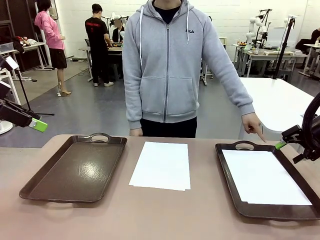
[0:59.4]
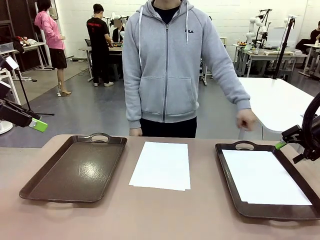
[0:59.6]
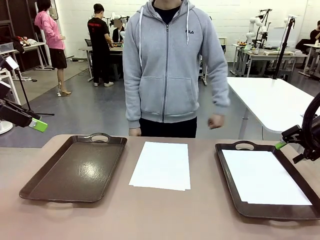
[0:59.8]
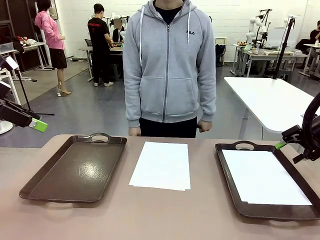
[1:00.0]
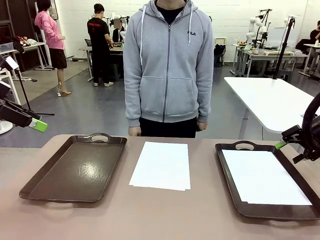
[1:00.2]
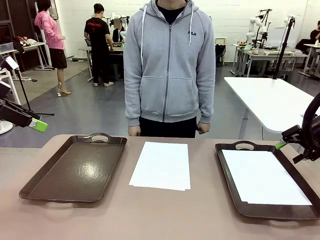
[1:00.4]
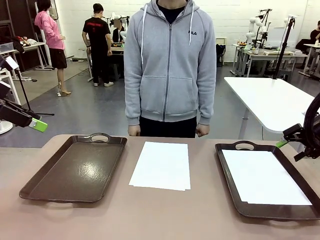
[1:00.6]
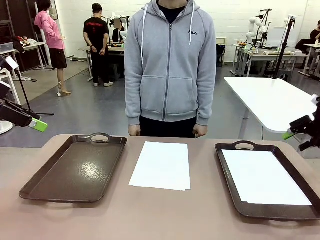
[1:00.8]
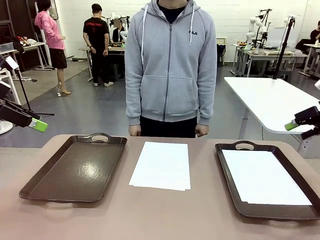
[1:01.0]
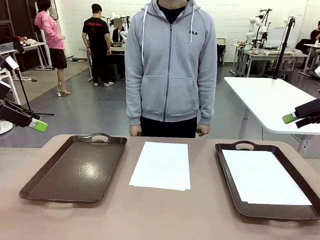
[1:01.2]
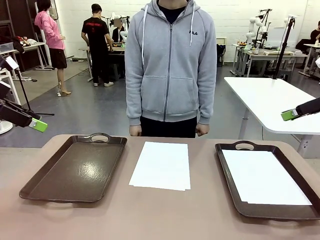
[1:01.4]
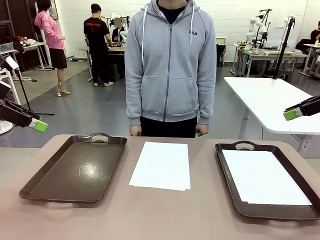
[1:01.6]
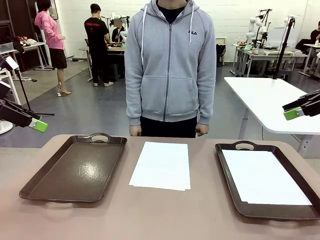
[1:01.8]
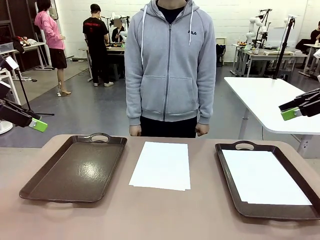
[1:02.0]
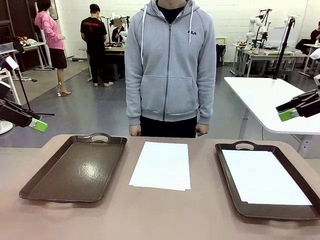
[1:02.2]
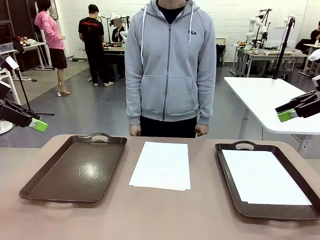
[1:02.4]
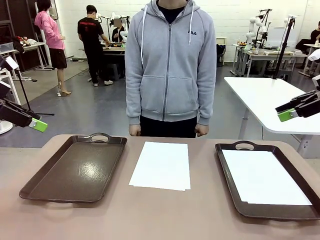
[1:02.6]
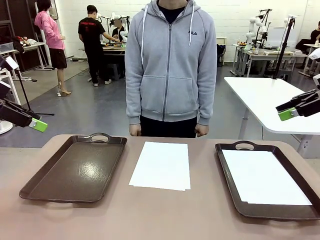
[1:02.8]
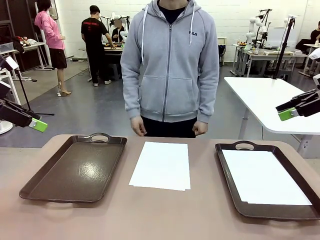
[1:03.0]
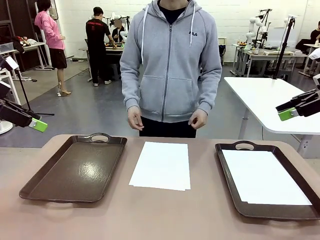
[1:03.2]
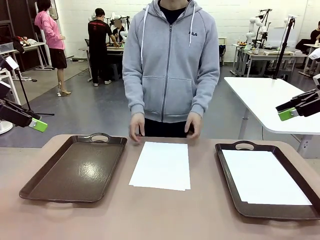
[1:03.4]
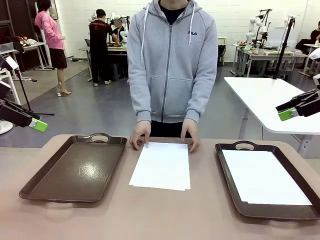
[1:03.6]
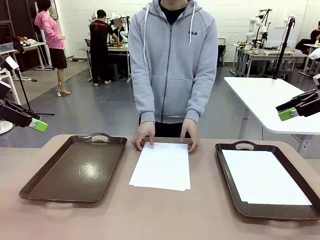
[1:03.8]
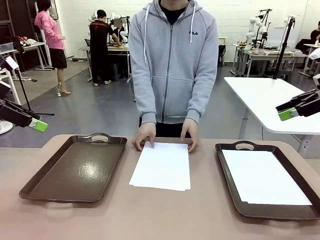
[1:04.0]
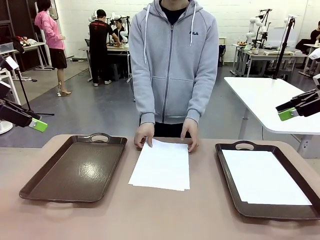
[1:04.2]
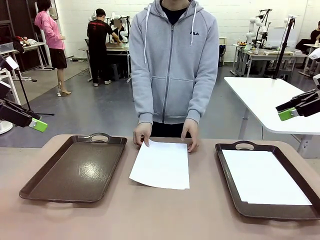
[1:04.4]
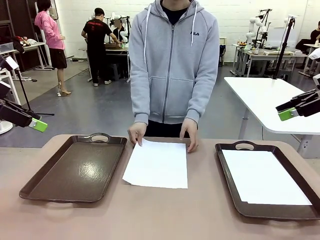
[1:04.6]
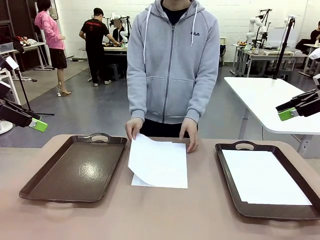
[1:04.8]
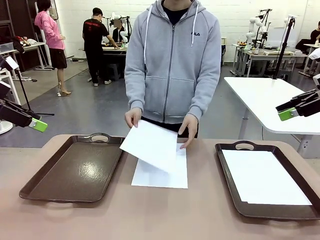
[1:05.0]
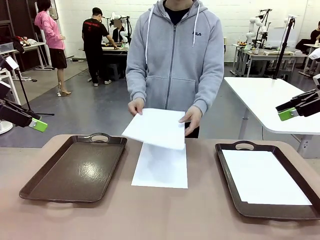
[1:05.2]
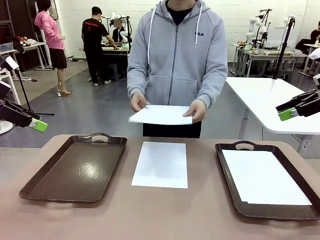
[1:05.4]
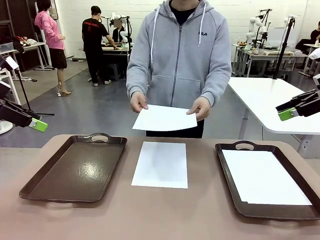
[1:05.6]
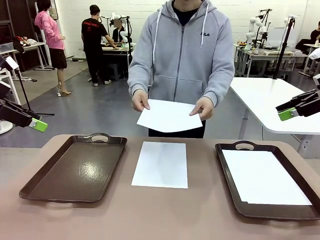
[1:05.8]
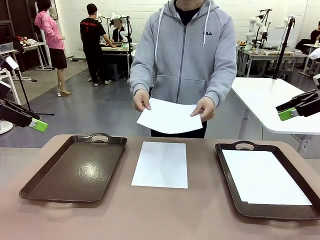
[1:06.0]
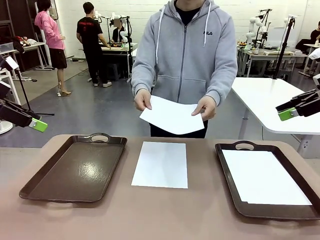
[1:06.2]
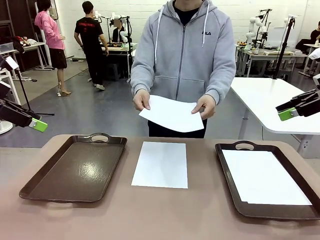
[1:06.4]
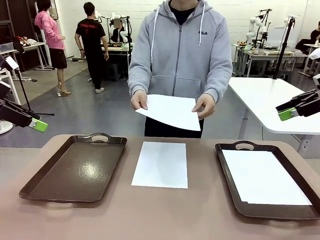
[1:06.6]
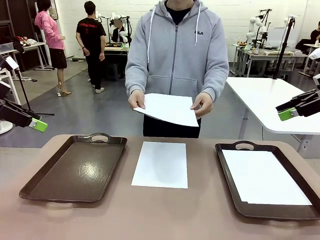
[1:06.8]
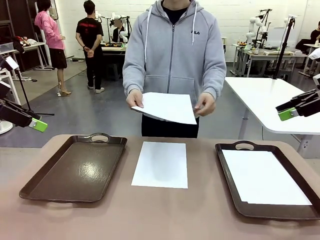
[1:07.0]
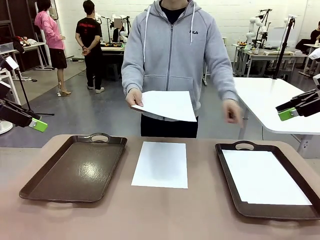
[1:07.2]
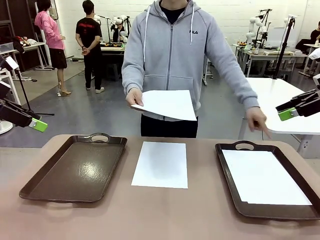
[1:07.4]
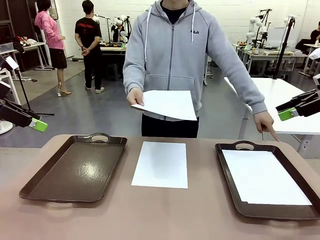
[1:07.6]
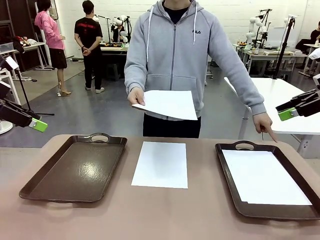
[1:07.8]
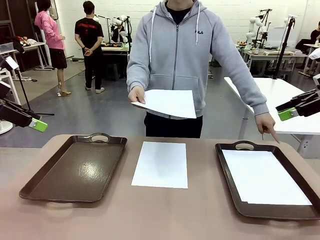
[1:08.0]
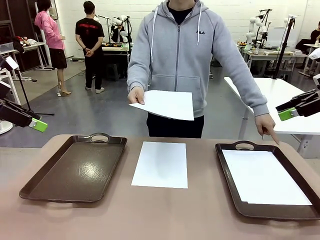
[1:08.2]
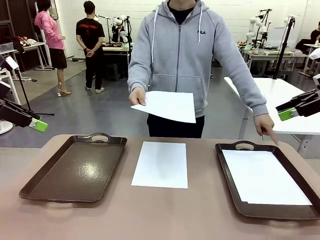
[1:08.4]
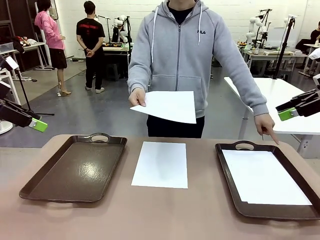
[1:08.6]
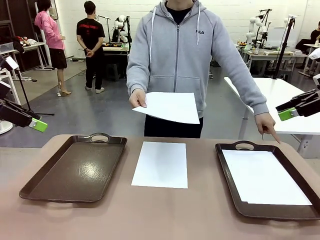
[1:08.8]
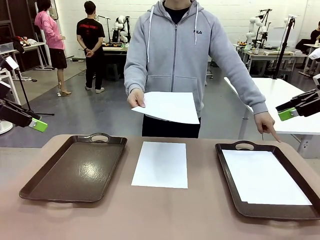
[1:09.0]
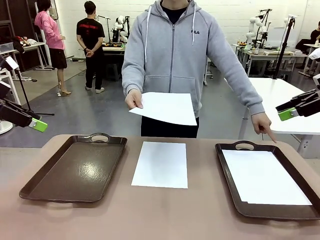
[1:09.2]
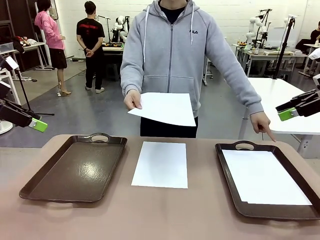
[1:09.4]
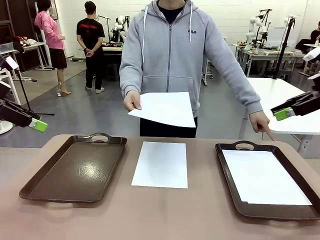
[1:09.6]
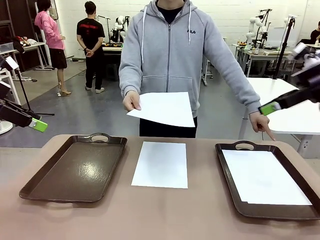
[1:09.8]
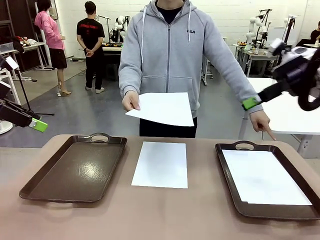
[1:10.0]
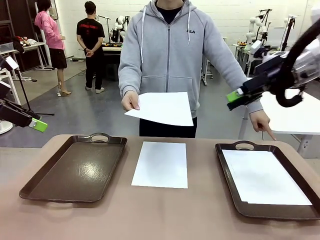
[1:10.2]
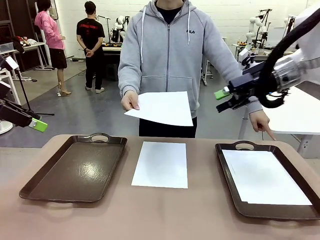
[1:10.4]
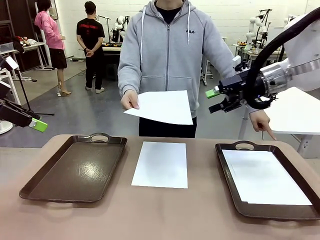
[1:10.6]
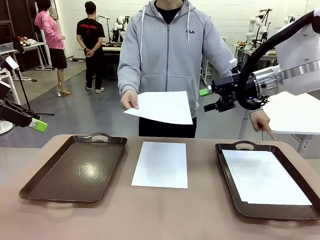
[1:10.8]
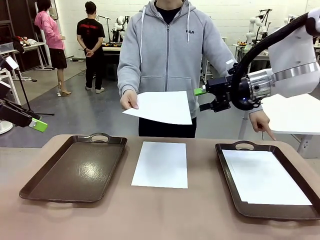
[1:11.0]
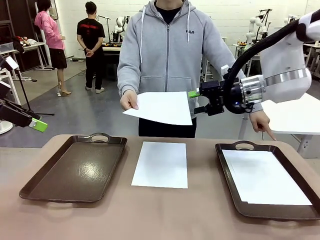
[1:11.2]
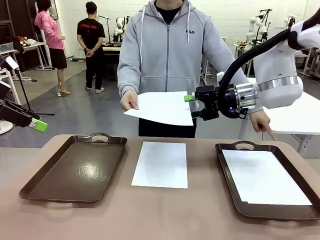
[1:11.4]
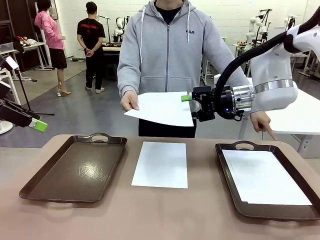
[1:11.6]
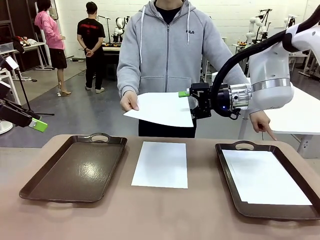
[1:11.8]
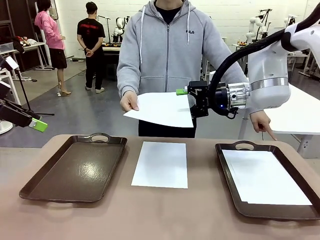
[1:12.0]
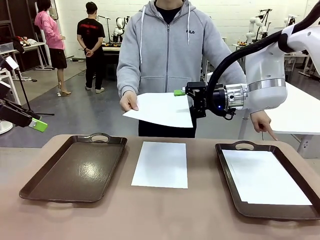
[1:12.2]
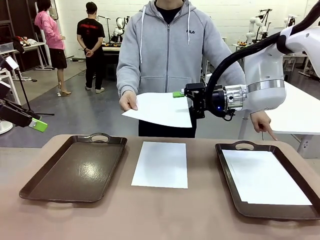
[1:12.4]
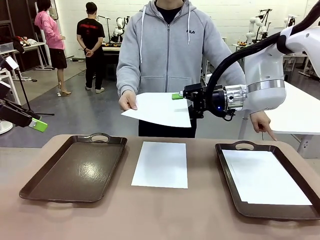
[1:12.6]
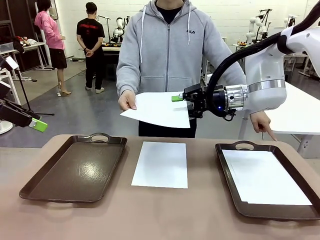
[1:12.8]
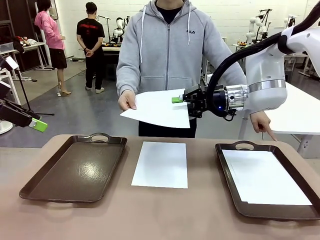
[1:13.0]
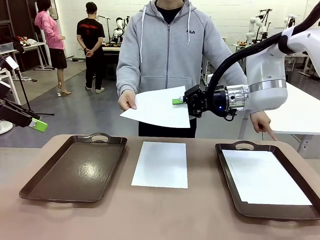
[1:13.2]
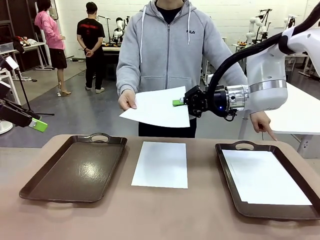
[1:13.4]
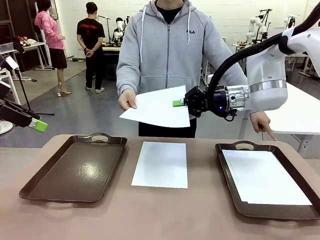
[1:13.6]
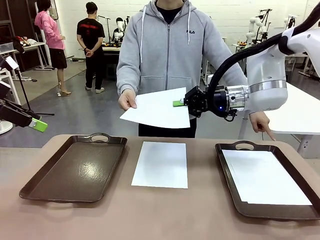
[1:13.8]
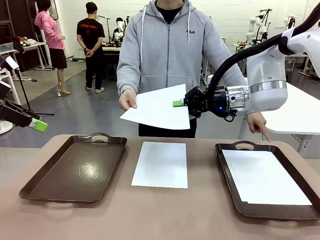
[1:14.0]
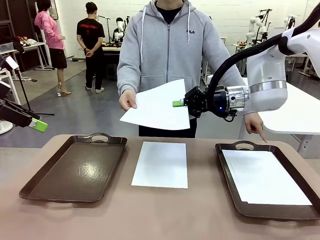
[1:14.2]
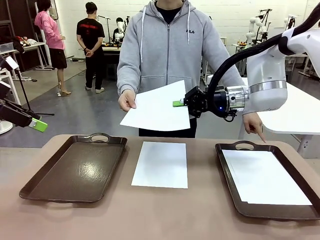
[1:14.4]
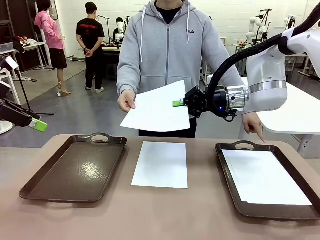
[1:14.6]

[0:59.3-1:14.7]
Task: Sort the A4 documents.
Robot: Receive the A4 Paper.
Person: Point the randomly selected tray with the other hand.

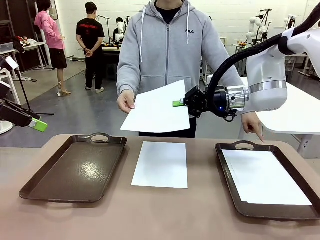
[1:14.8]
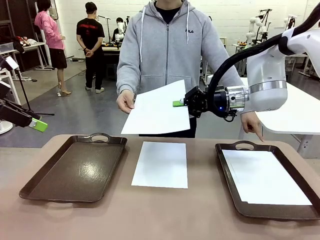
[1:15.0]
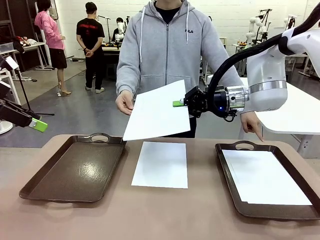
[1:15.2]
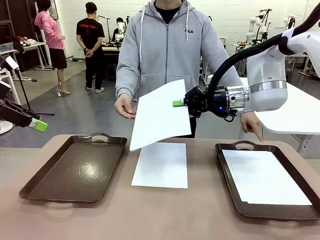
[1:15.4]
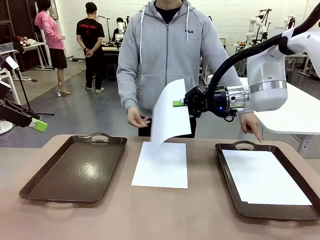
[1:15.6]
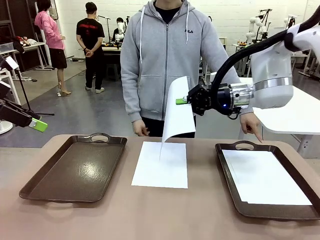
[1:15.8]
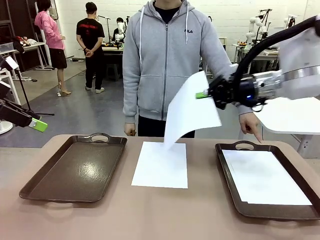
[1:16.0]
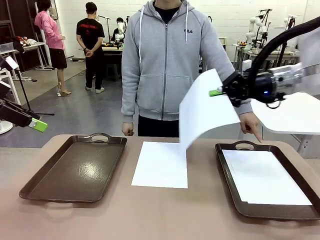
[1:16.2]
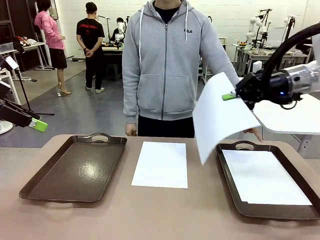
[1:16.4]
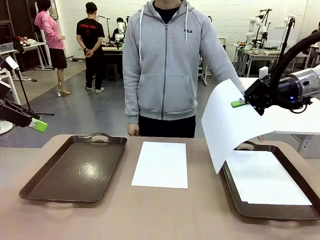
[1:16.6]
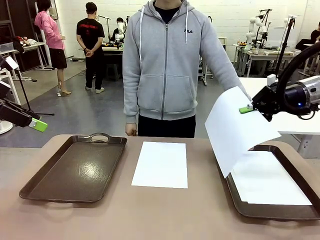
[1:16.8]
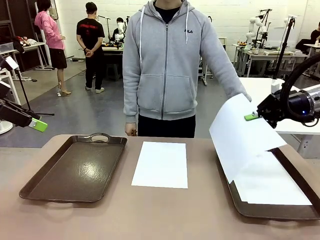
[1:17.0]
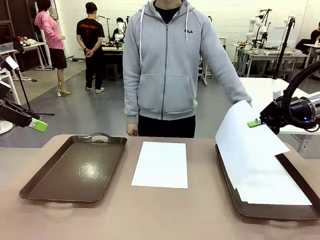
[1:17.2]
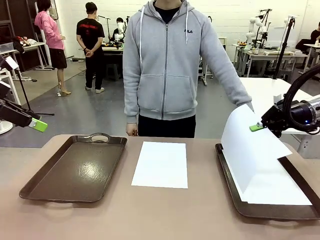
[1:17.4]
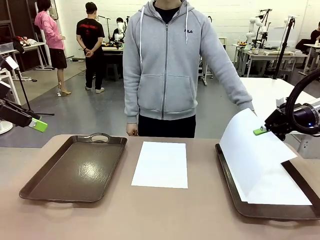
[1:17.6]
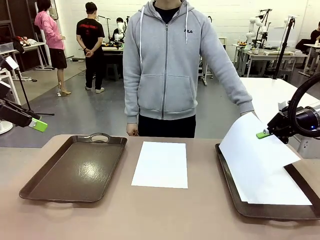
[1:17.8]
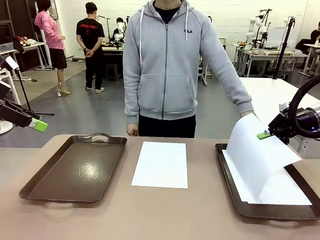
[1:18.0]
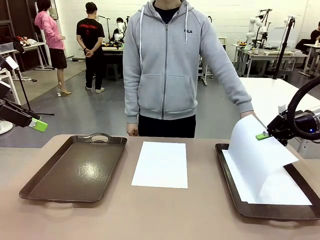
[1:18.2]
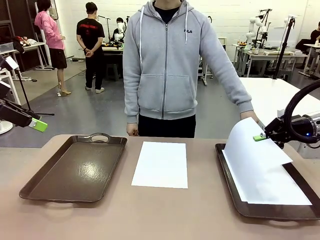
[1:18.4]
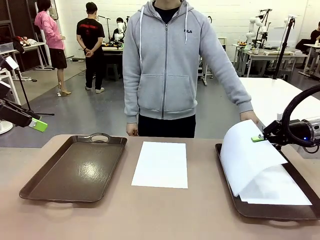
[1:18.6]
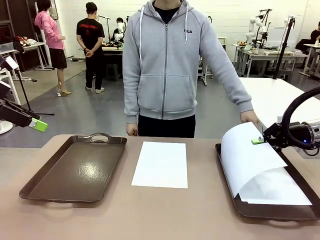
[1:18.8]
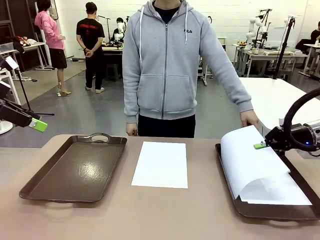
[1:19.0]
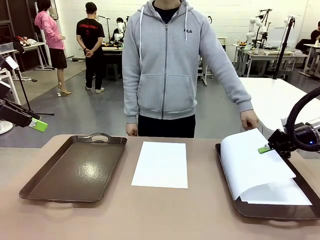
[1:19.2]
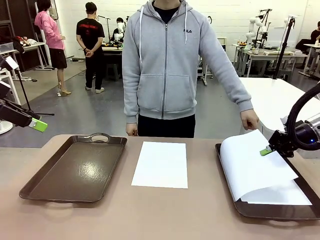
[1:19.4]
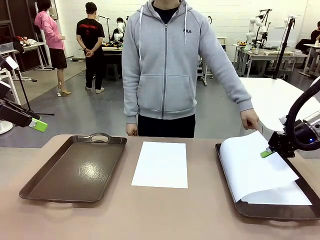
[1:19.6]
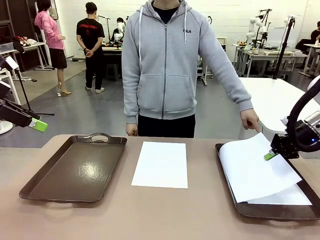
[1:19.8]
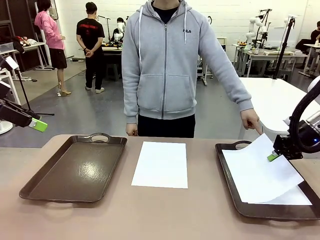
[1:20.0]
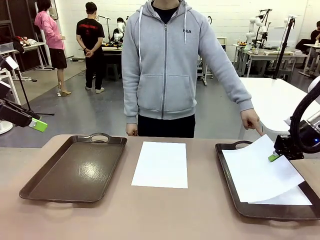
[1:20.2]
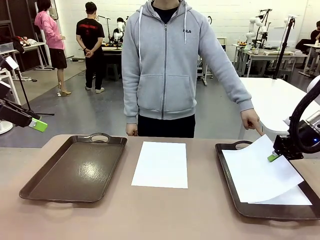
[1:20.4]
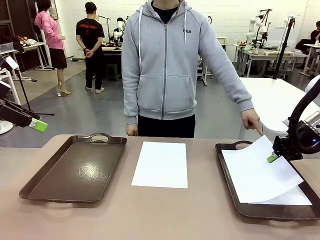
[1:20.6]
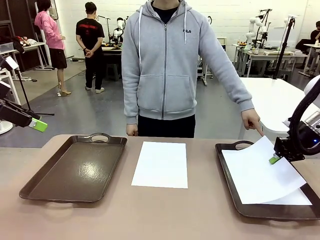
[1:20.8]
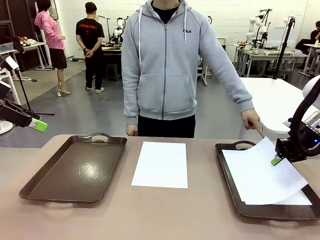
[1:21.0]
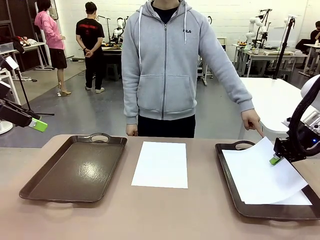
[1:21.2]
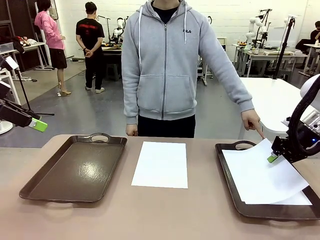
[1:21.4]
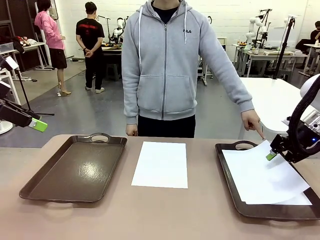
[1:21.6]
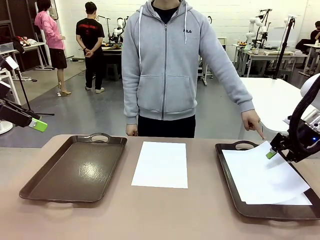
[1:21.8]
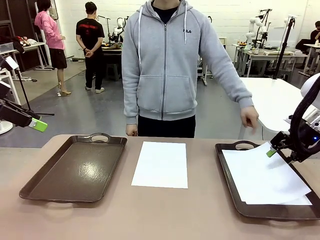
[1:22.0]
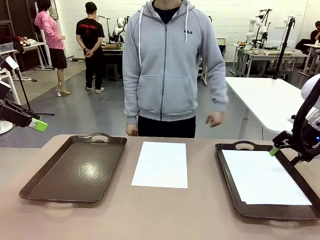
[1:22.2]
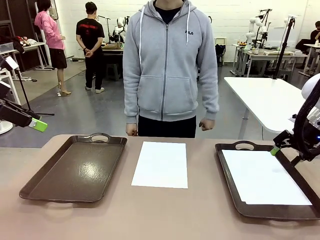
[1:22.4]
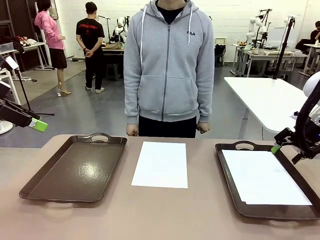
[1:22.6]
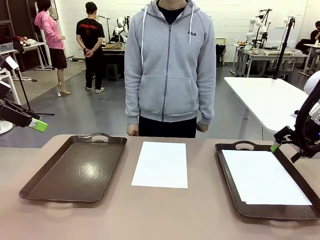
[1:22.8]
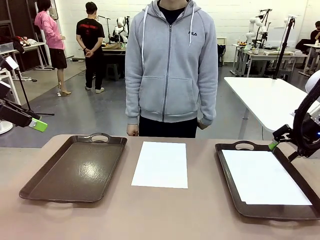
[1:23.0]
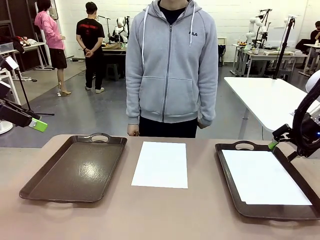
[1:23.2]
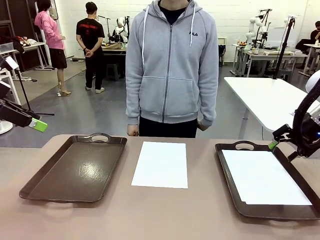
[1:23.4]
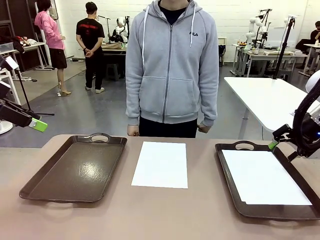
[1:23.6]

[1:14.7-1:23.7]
Robot: Place the A4 Paper in the designated Handle tray.
